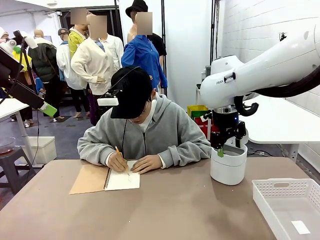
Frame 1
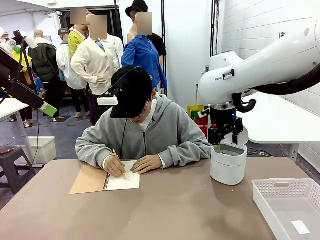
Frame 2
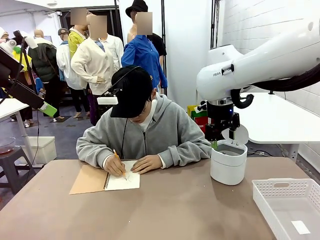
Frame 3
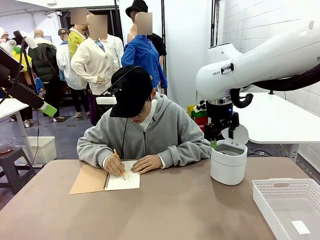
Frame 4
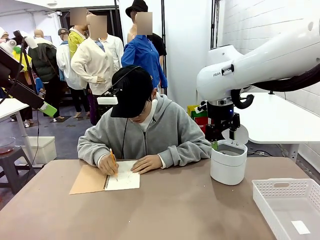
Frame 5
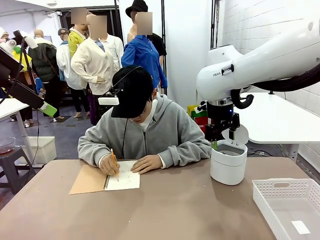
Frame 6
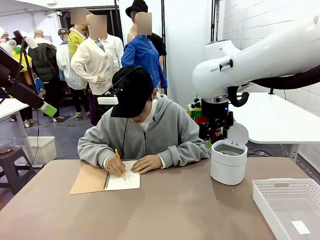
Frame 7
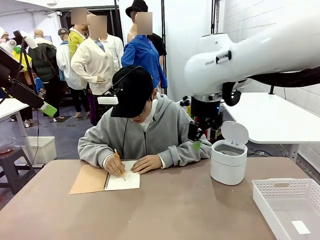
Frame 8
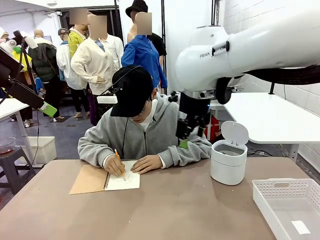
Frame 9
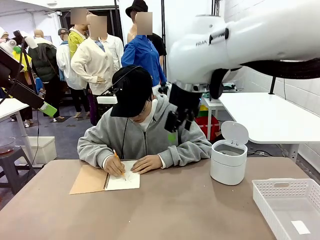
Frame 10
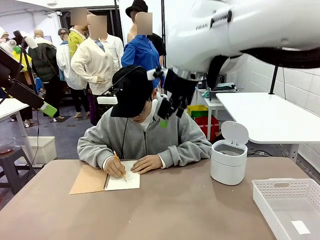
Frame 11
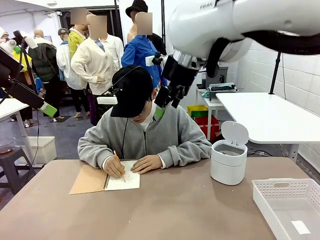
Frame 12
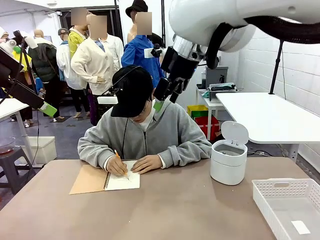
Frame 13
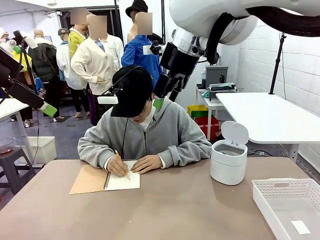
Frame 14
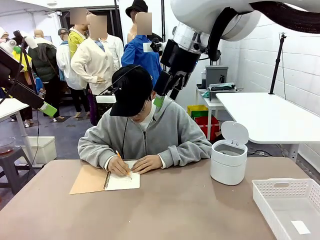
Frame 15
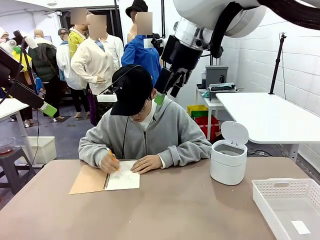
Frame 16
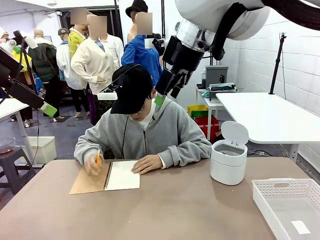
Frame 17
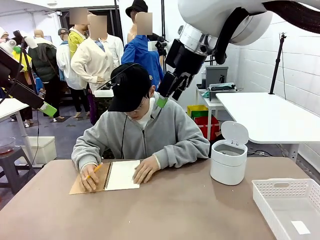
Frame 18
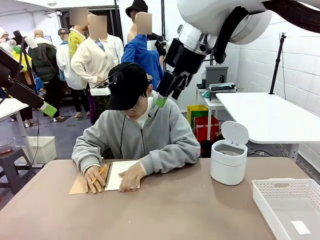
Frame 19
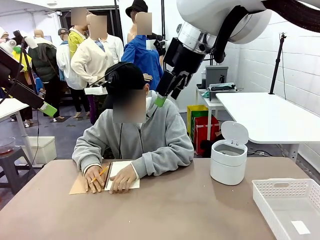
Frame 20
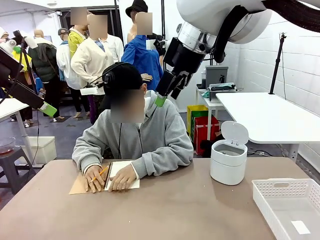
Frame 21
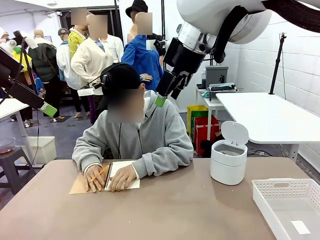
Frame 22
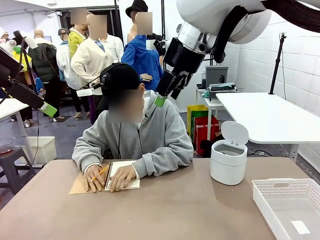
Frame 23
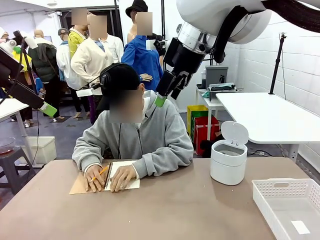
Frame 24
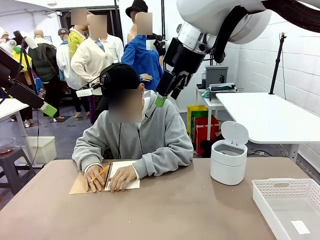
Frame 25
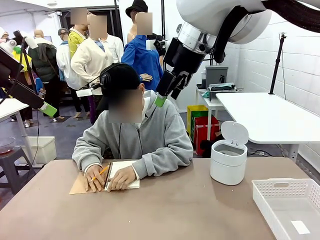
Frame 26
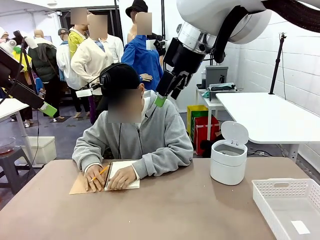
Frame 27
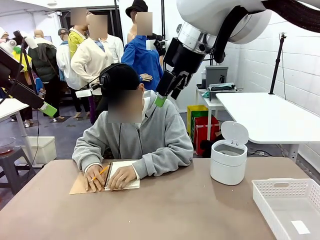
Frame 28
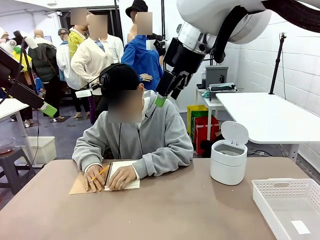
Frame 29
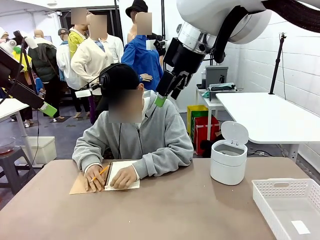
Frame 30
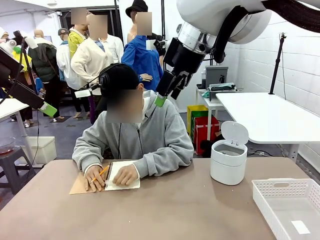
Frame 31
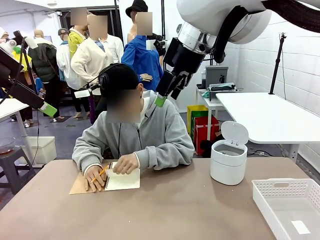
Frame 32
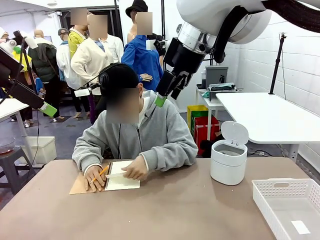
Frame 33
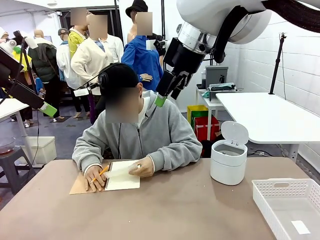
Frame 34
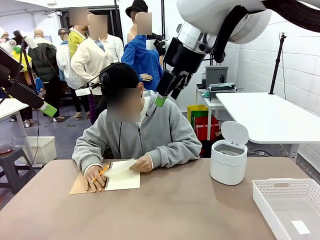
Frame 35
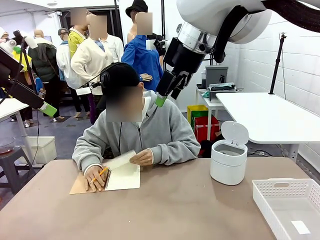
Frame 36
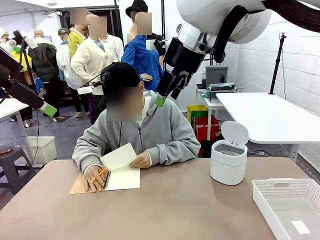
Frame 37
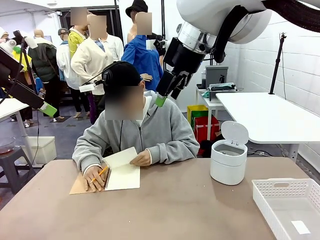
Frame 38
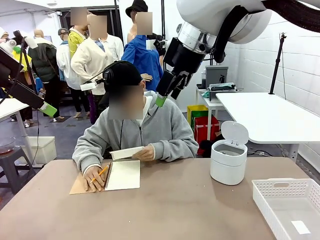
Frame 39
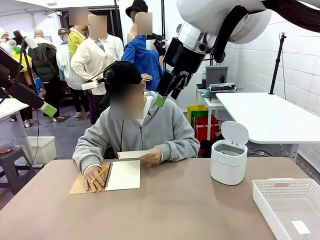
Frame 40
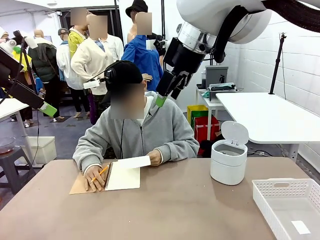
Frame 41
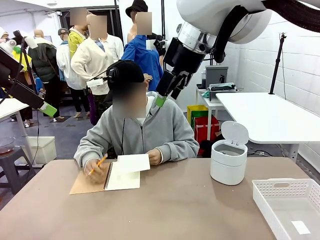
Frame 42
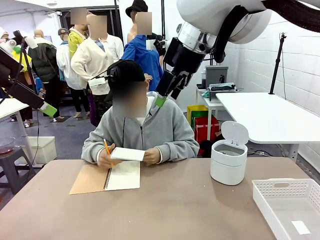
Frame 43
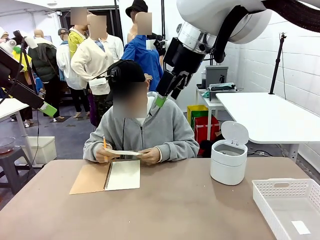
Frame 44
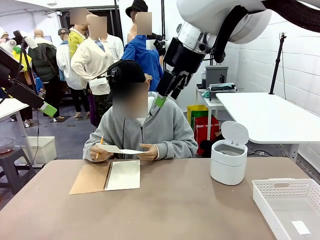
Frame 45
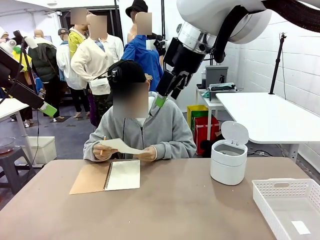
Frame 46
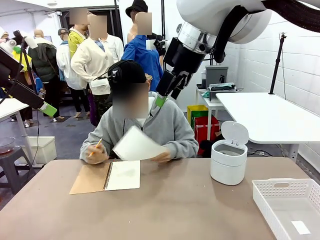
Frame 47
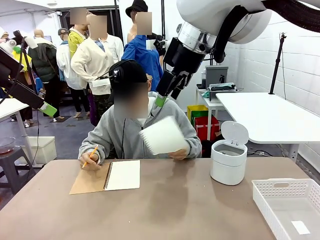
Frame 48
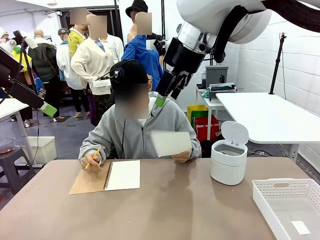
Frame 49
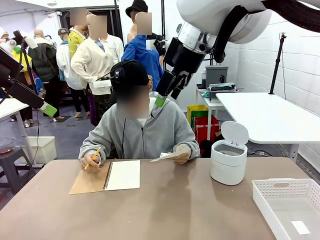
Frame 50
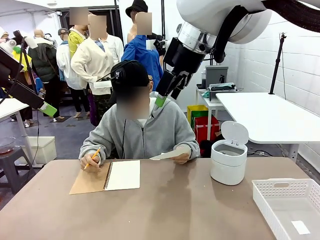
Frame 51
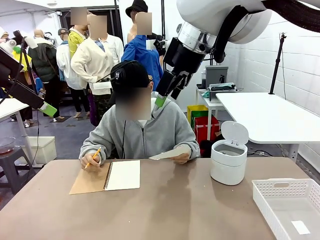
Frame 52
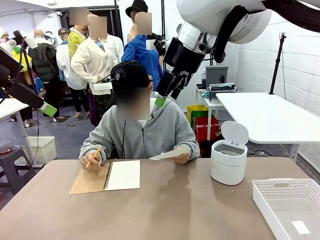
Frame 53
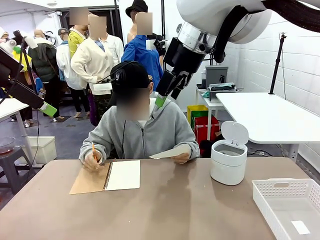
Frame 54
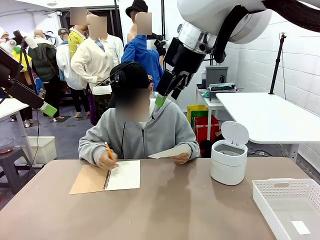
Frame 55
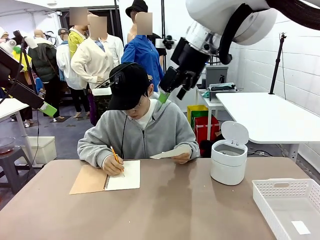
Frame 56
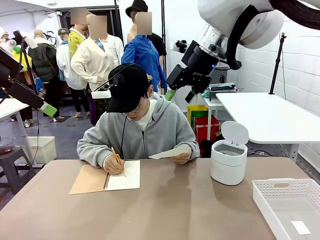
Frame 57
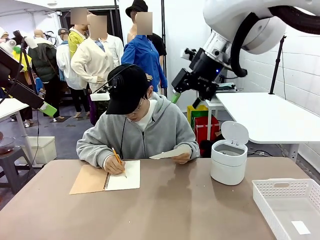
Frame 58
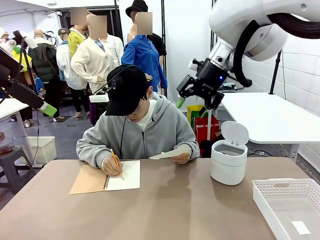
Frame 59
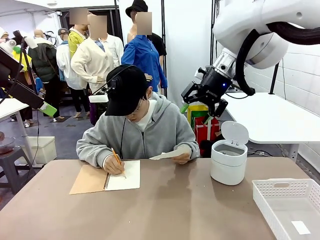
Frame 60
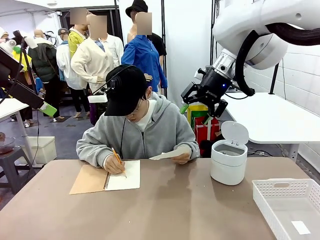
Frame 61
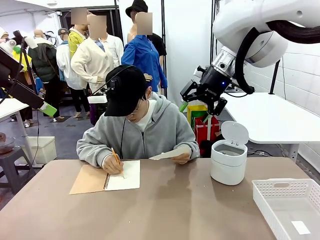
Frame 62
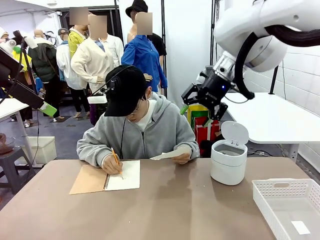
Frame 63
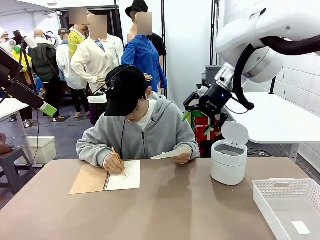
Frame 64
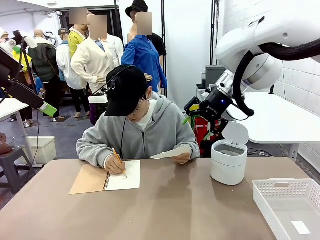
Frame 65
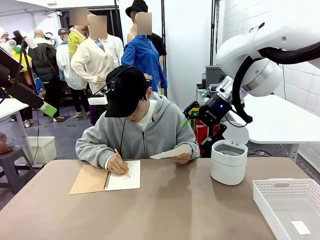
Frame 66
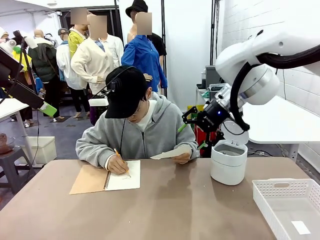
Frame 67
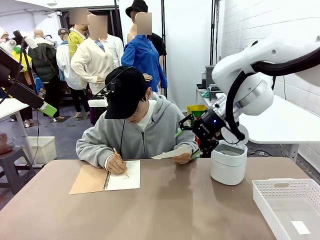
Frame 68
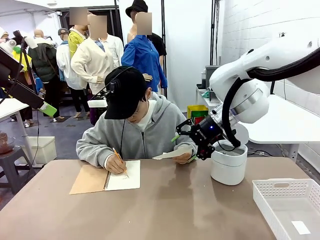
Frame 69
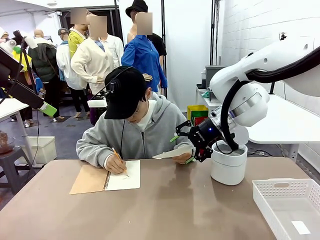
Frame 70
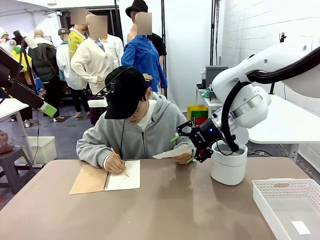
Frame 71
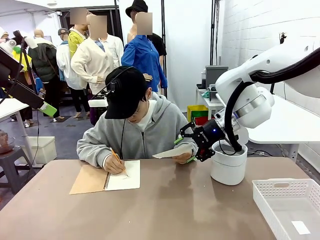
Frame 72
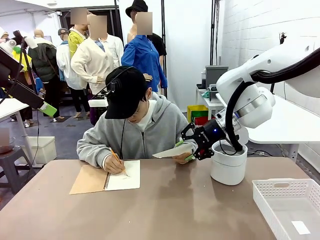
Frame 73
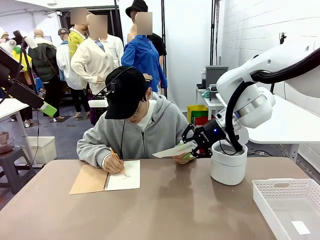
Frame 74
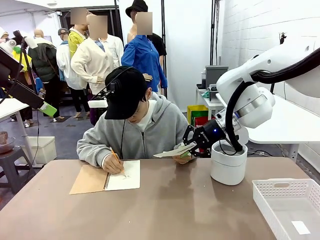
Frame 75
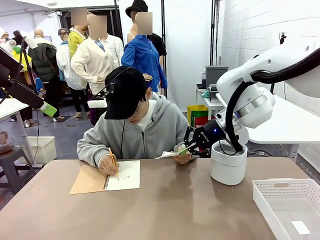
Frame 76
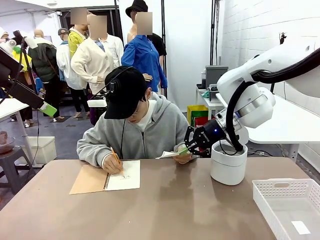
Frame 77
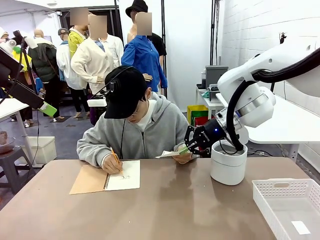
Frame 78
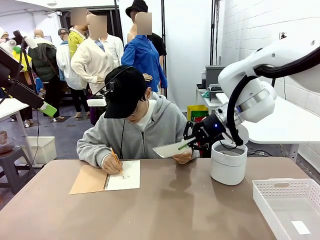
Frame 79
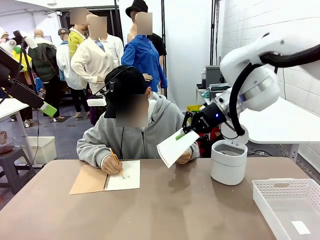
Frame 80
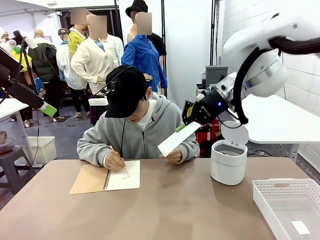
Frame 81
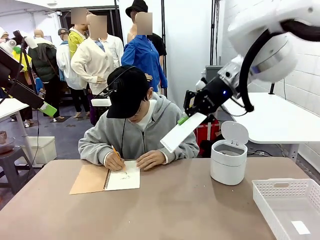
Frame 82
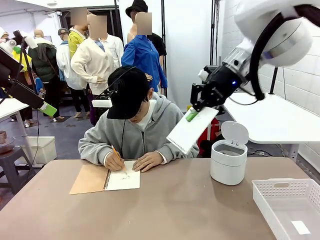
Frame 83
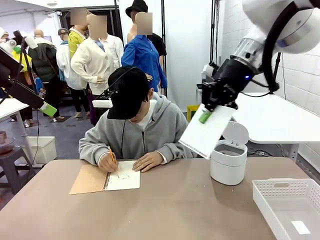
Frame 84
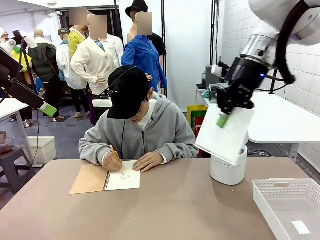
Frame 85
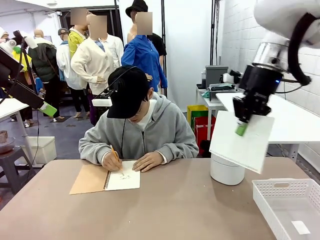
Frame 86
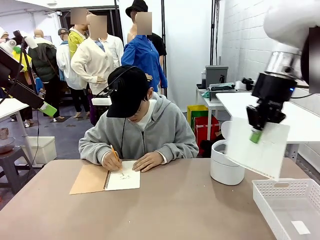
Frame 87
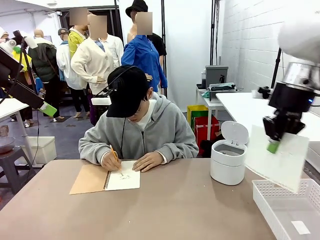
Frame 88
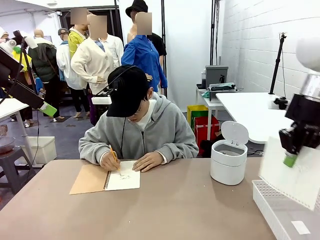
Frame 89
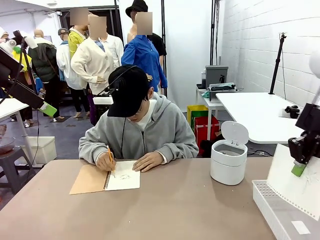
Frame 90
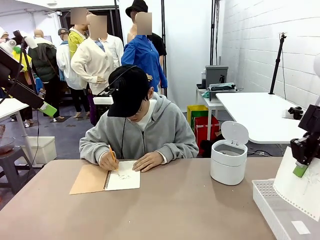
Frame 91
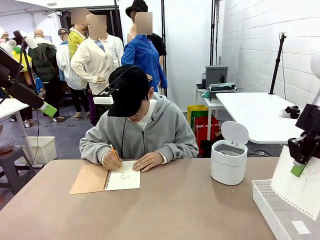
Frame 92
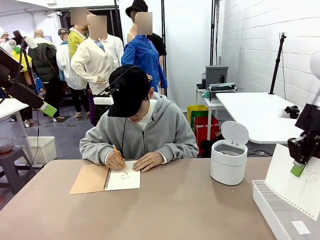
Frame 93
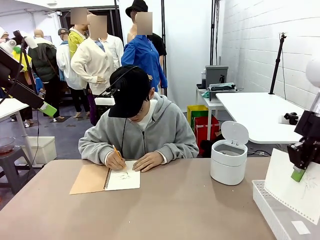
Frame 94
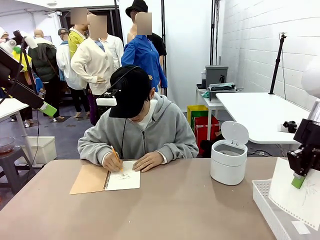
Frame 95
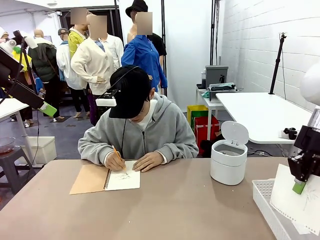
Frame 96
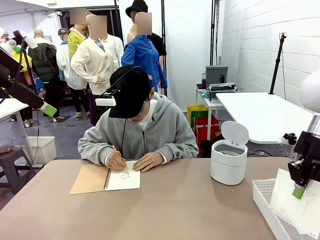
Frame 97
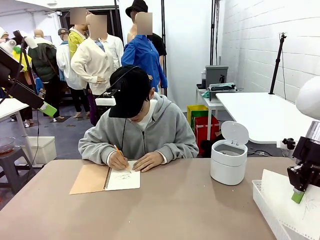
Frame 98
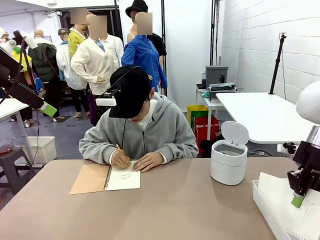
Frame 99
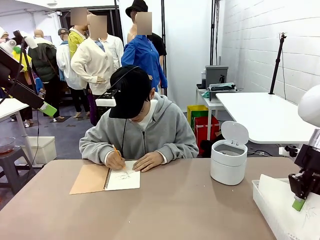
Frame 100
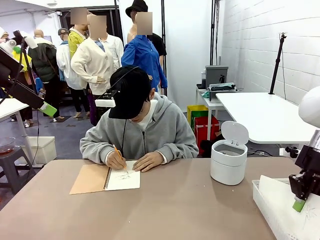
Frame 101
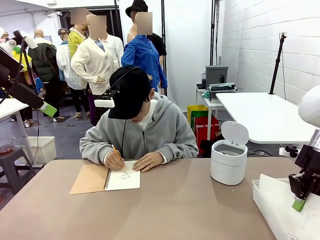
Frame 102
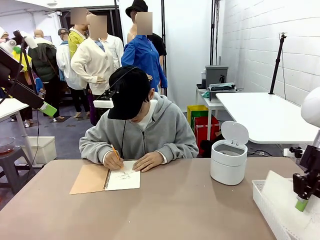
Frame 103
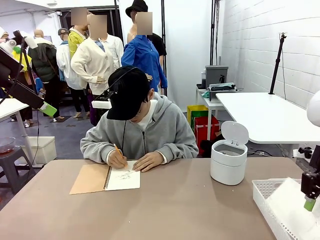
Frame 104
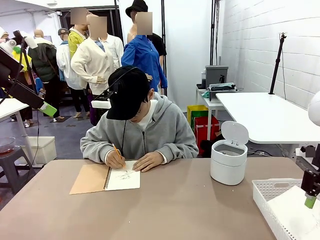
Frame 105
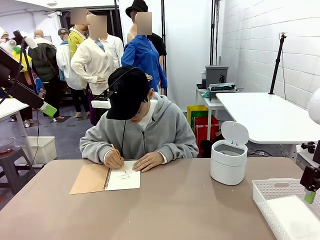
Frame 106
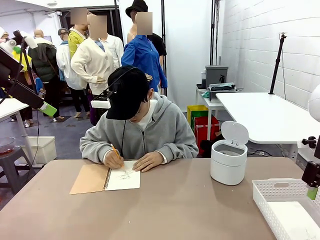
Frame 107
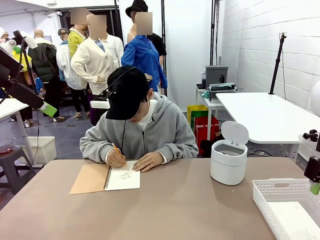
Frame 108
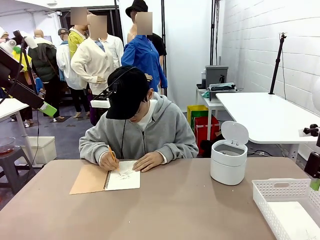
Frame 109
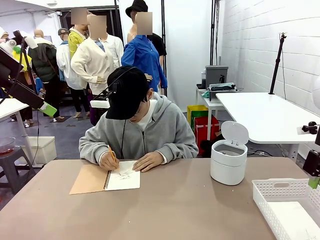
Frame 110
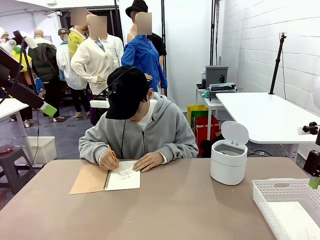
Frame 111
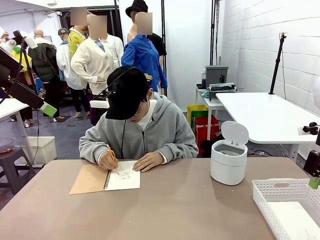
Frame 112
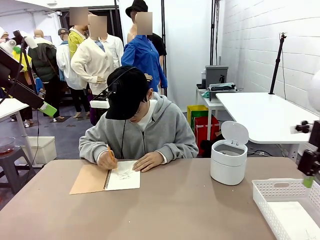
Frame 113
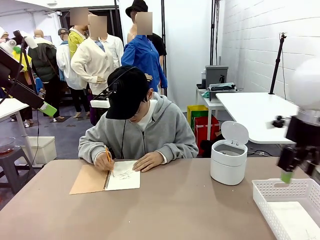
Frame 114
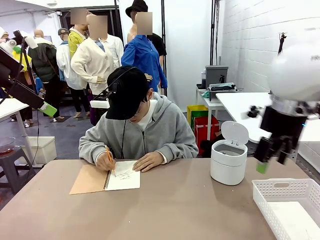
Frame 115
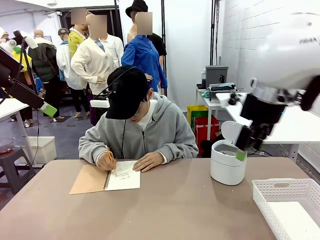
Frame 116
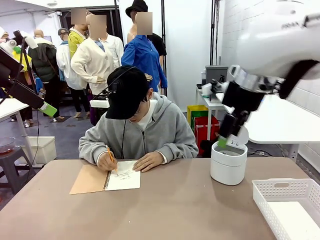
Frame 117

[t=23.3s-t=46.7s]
Task: Sort the paper based on its condition.
Robot: If a person hands you a paper, place it in the Organizing basket , and if it's crumpled, put it in the Trash can.
Person: Hand the torn page to the robot or crumple it and throw it to the center of the table. Tear out a page from the spiral notebook.
